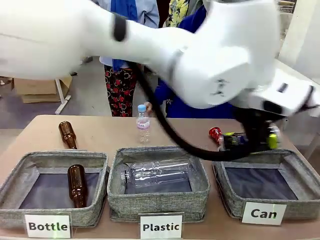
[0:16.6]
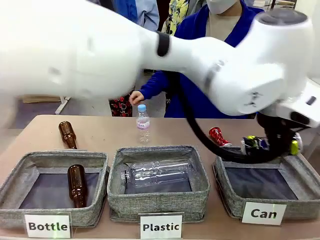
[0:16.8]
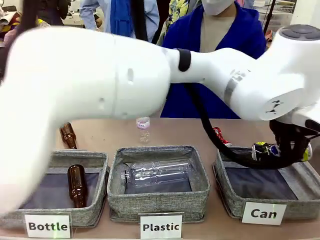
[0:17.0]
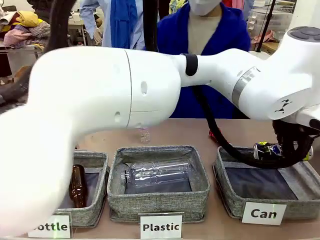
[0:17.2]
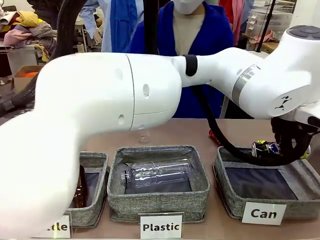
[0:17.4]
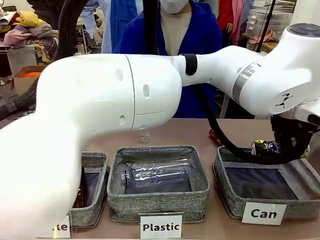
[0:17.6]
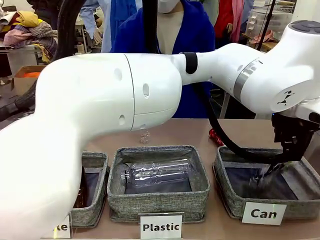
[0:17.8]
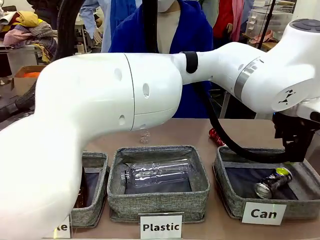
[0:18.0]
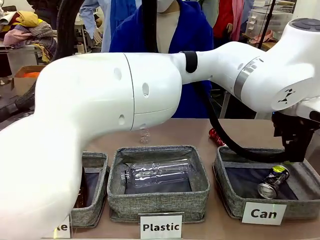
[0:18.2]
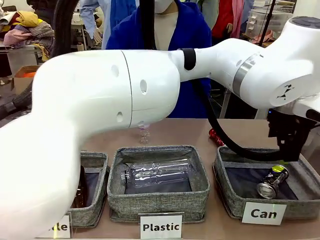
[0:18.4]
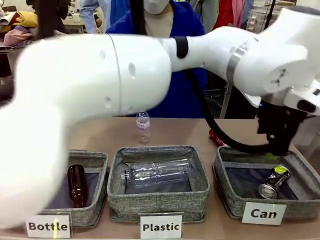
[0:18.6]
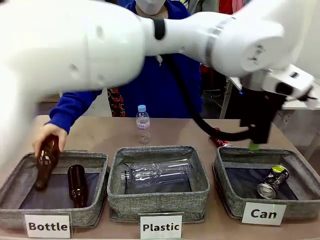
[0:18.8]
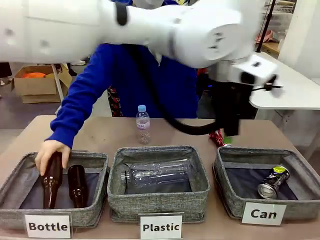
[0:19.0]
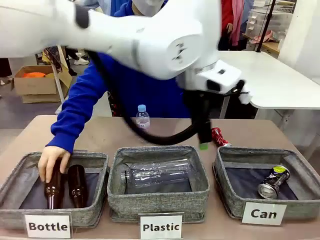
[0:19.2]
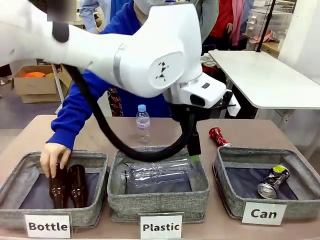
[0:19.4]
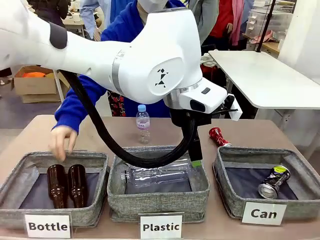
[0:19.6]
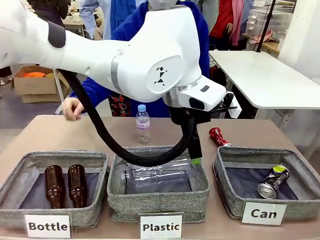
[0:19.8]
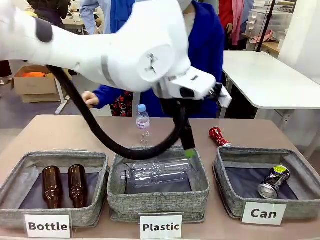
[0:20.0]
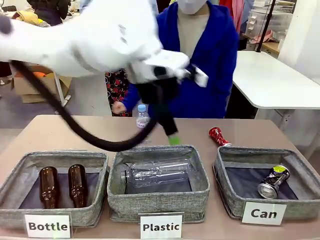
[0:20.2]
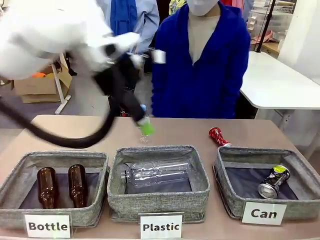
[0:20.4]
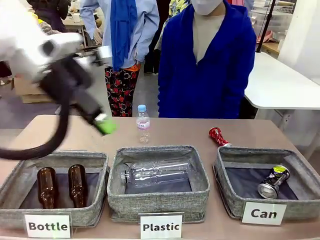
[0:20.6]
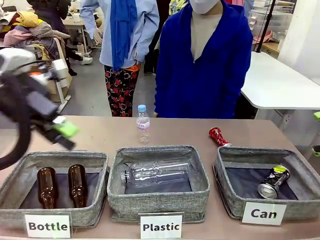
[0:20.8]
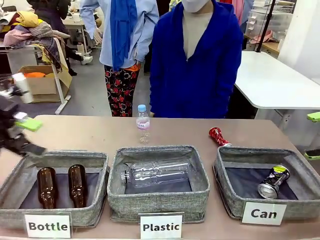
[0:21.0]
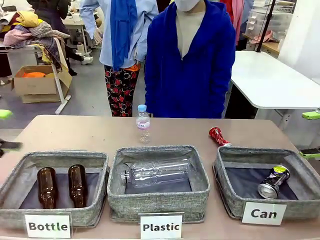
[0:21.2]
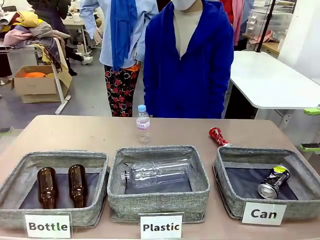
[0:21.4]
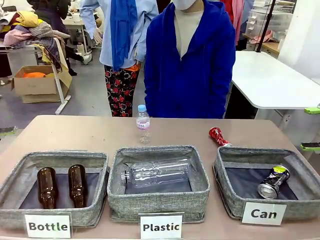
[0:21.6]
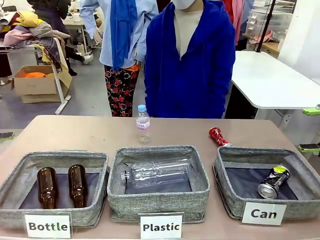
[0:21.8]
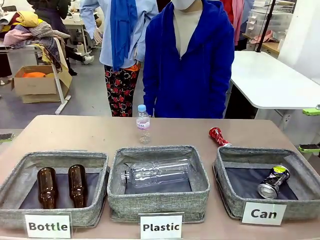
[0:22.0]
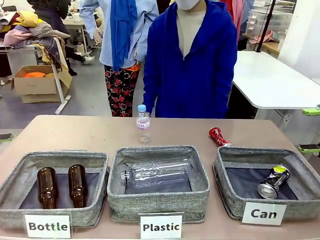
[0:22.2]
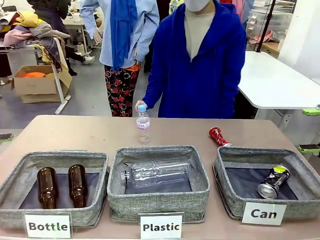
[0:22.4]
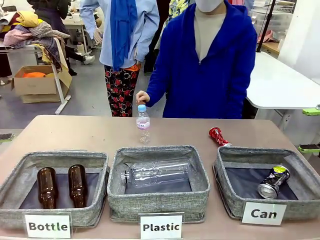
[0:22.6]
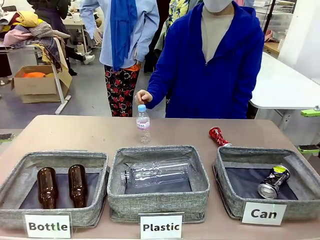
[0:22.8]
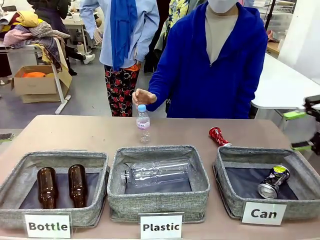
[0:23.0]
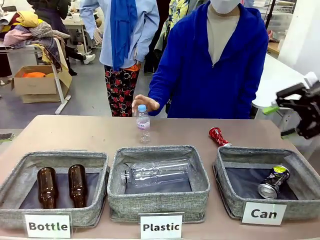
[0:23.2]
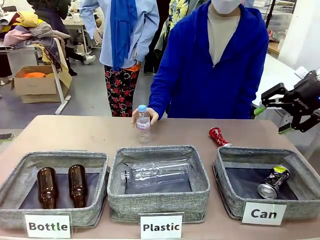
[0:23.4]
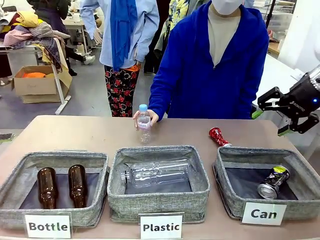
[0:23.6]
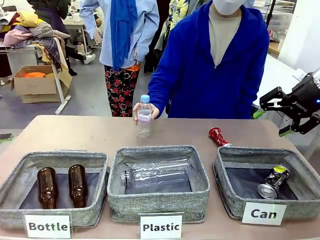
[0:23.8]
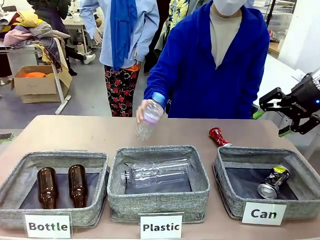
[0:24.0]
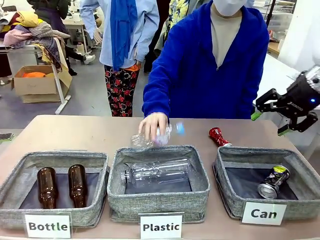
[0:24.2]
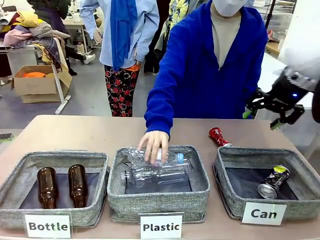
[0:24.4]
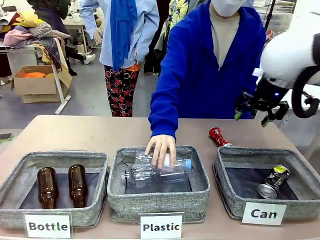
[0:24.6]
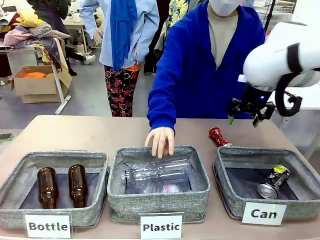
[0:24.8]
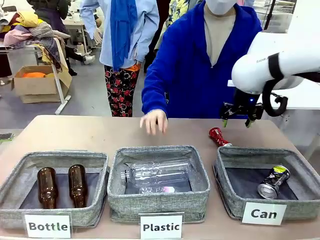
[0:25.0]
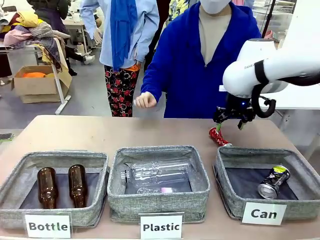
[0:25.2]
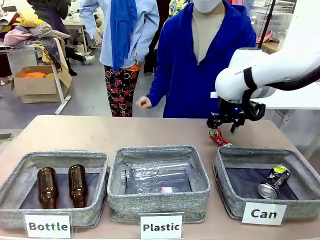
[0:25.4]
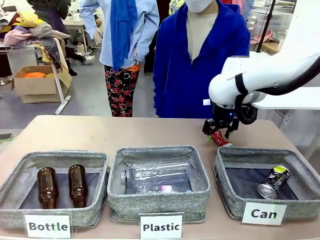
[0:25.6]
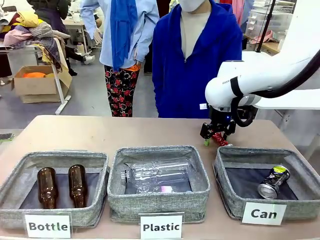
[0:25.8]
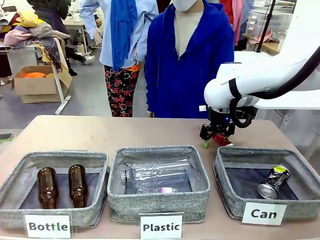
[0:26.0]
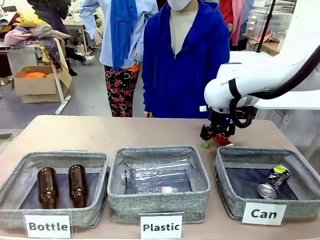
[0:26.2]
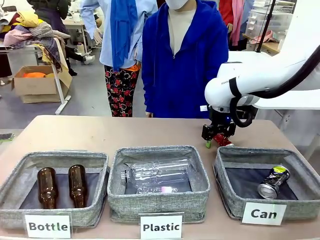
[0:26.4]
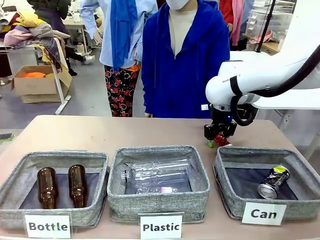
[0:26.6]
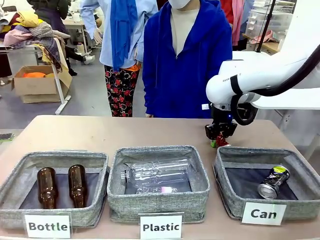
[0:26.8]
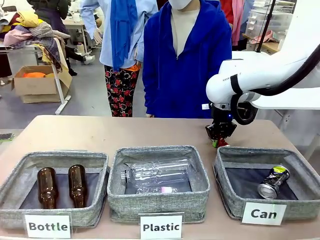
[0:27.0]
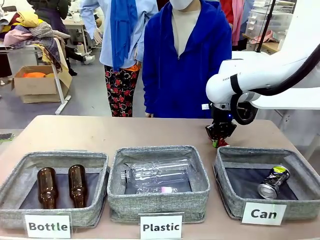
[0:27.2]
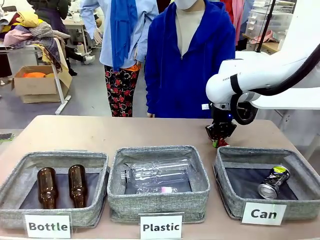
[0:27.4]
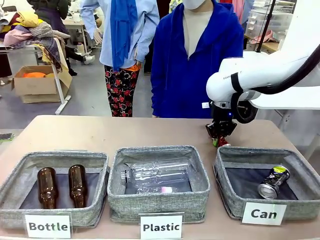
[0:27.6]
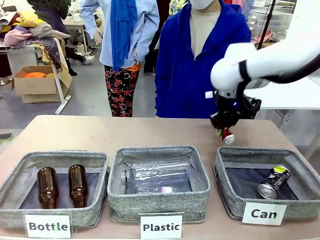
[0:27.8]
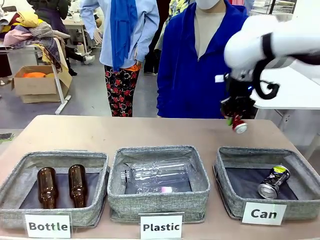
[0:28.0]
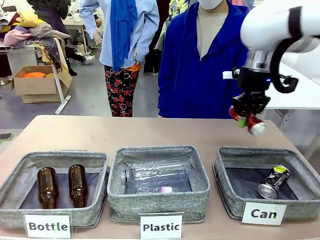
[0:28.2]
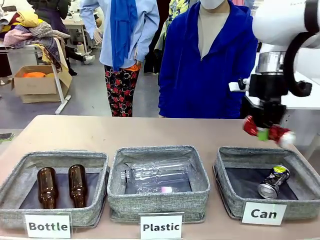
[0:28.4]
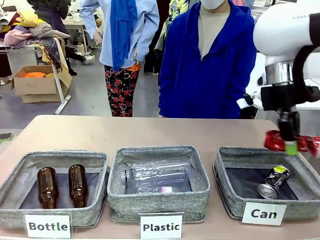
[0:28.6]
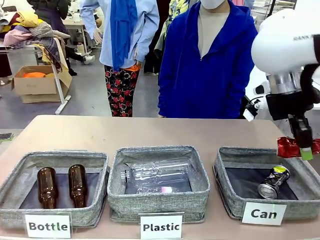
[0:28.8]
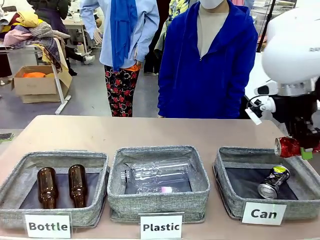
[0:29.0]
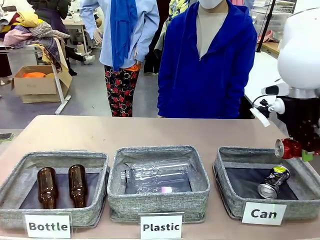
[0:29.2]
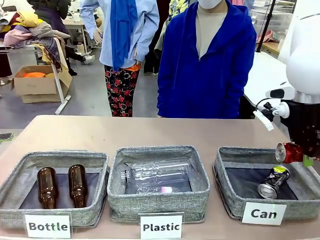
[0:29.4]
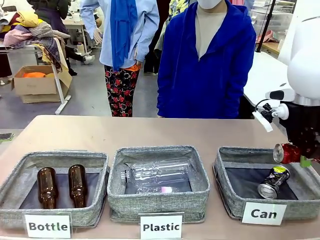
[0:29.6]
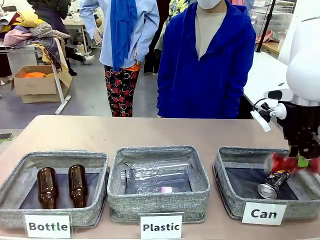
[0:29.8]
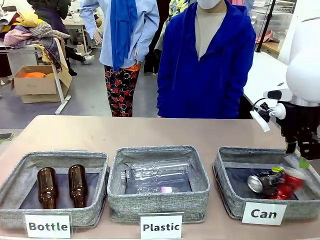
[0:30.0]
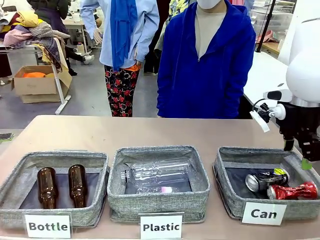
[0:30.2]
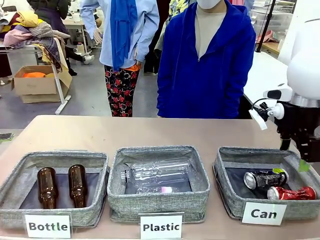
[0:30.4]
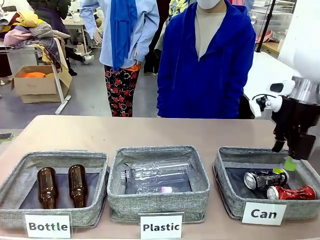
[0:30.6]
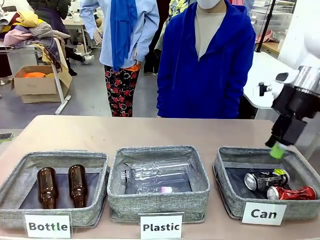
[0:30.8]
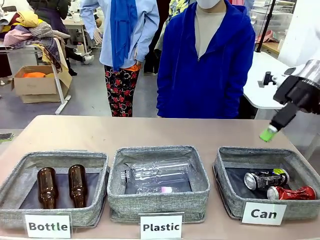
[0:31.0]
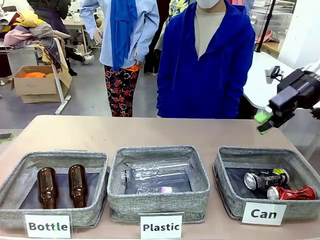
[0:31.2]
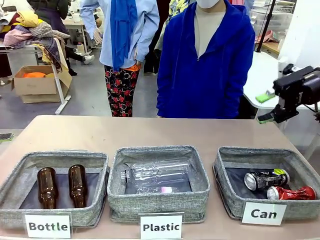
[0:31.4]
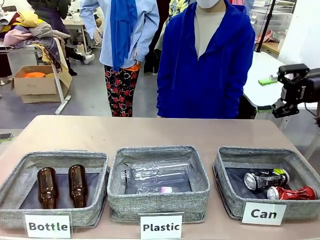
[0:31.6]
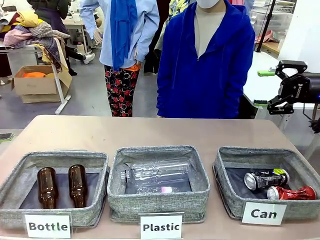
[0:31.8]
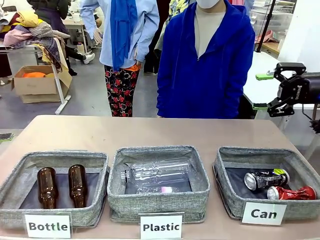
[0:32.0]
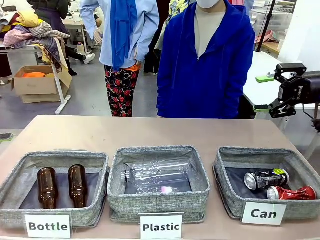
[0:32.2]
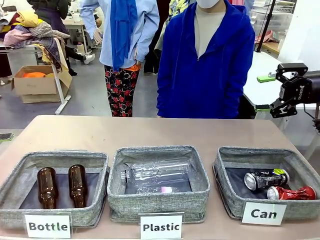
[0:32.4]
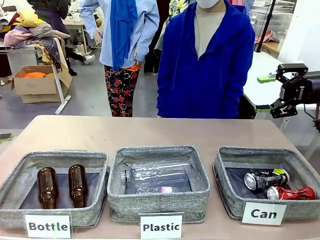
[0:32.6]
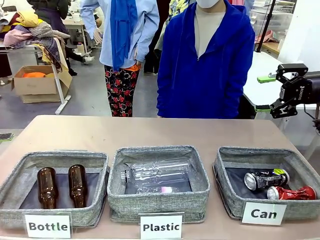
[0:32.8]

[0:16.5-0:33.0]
Task: Sort the can waste into the basket.
Robot: Pick up the can waste from the table and place it in the right Fabric basket.

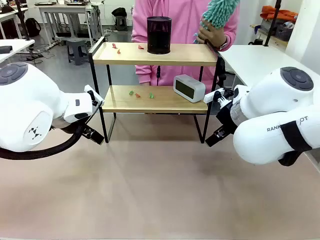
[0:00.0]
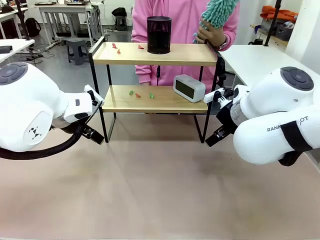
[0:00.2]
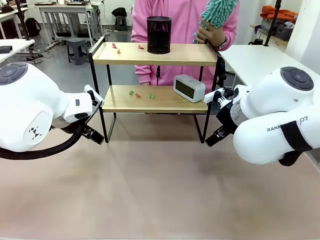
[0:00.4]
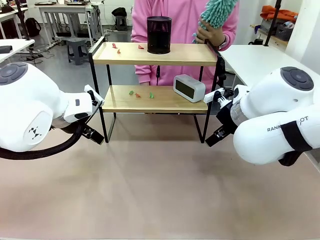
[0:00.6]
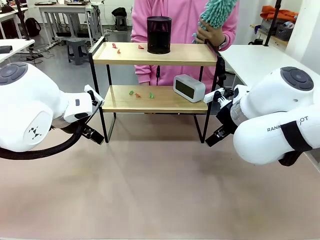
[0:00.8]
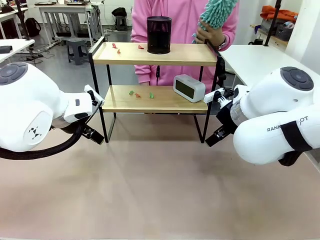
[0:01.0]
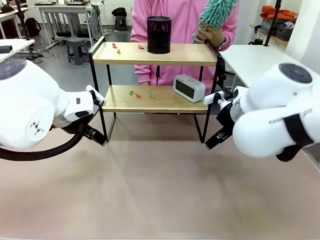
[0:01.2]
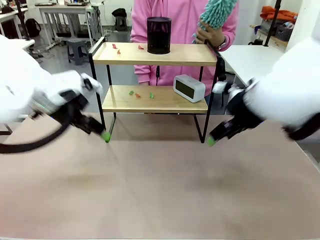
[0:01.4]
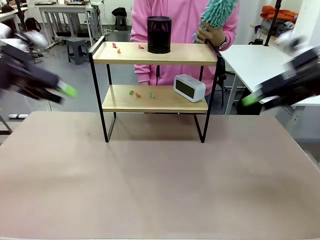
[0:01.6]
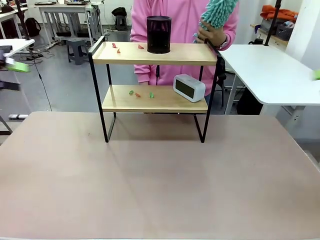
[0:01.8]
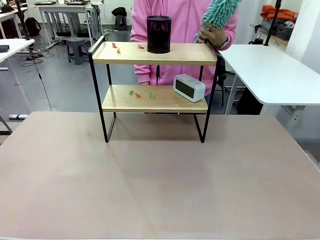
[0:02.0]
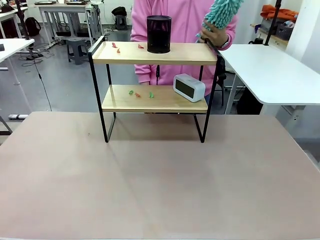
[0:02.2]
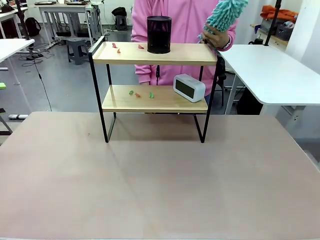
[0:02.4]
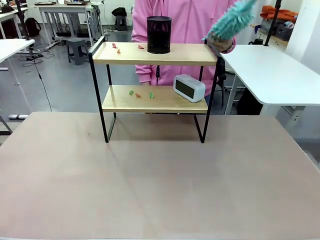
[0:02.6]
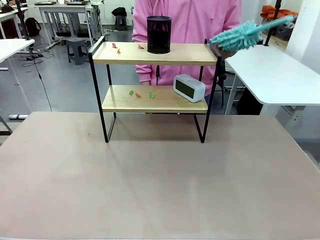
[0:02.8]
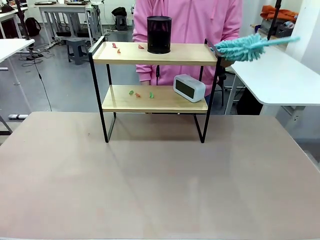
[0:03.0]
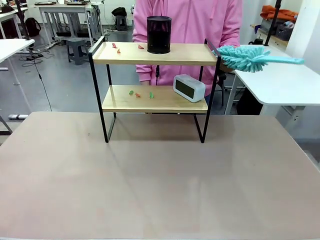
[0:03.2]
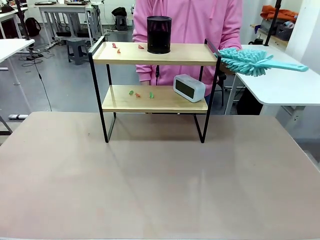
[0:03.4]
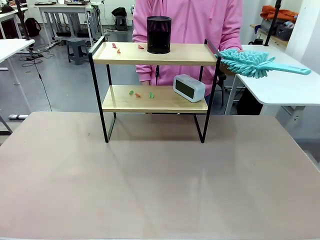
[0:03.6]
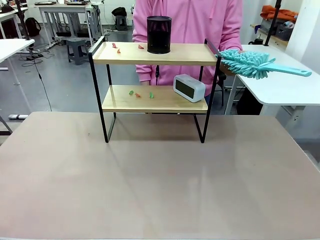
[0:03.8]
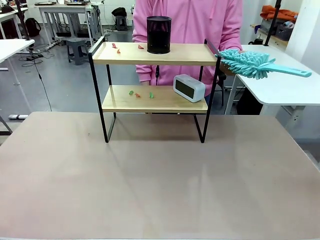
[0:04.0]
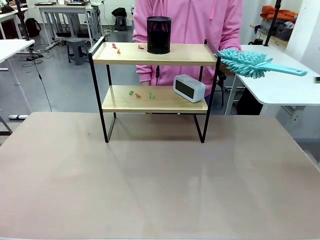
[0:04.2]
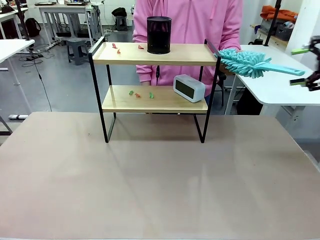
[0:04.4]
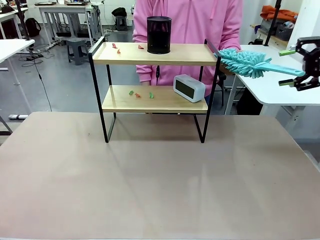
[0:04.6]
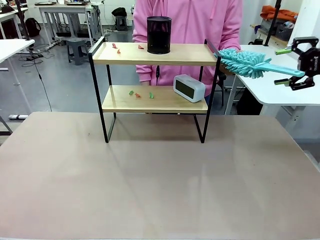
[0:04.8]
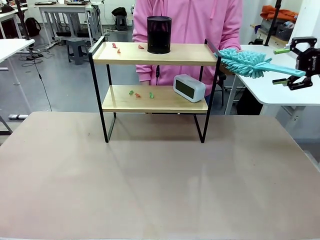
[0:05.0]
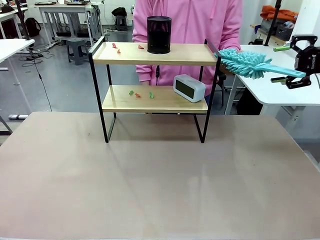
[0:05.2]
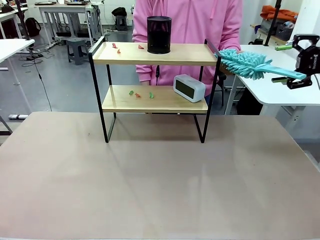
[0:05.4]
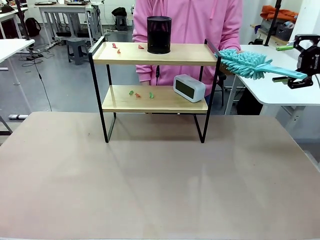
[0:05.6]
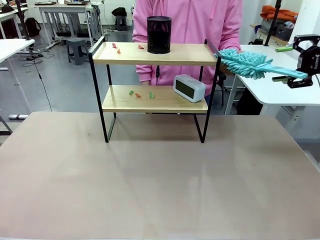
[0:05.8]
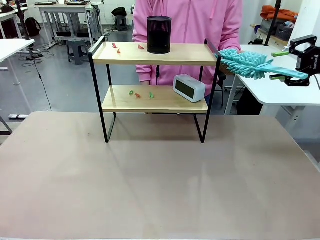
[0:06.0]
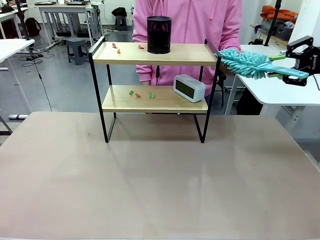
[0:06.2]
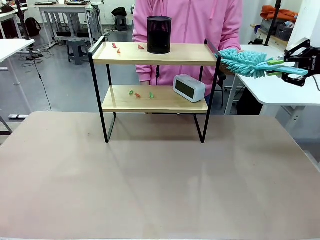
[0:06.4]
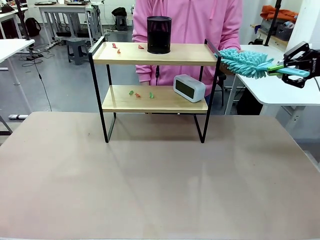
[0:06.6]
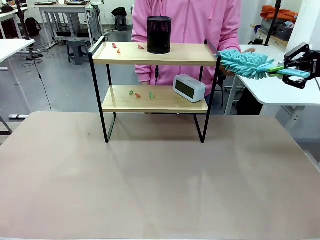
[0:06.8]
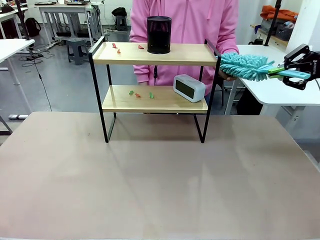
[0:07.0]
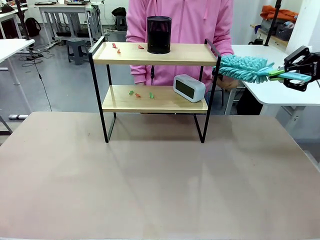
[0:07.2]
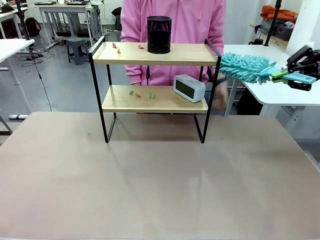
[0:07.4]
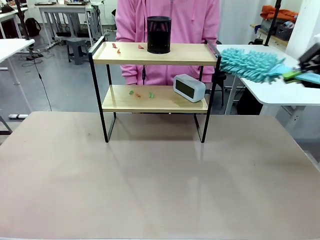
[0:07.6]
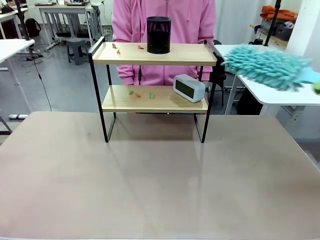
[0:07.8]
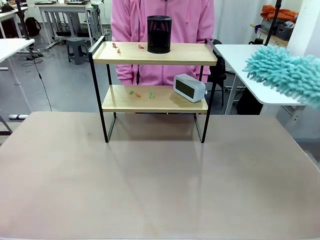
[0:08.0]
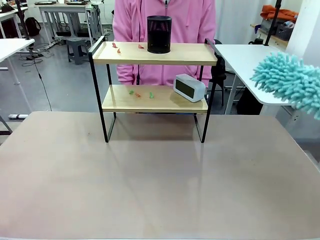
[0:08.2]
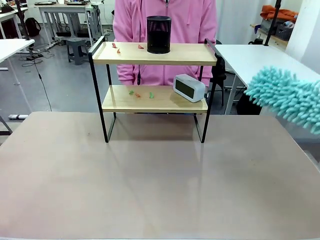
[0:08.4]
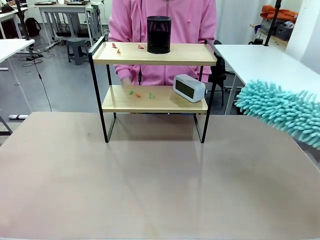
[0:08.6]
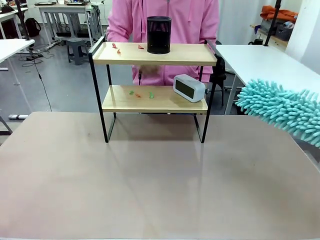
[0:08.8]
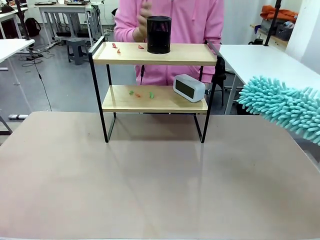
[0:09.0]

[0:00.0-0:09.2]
Task: Clean the shelf.
Robot: Pick up the Duster from the human.
Person: Hand the Duster to the robot.
